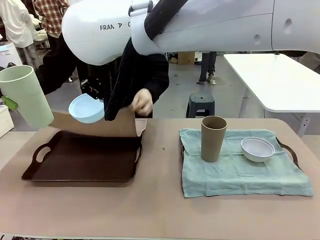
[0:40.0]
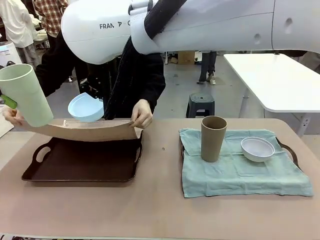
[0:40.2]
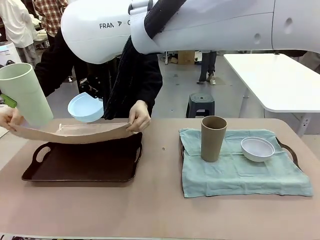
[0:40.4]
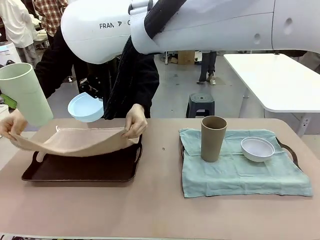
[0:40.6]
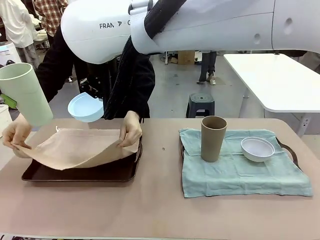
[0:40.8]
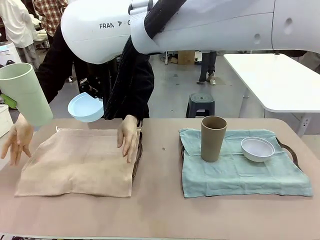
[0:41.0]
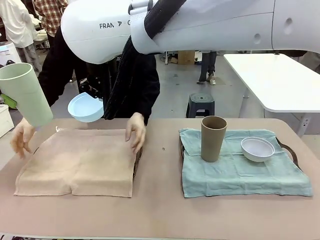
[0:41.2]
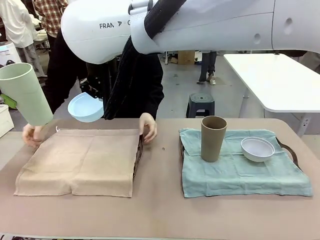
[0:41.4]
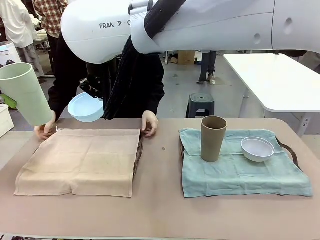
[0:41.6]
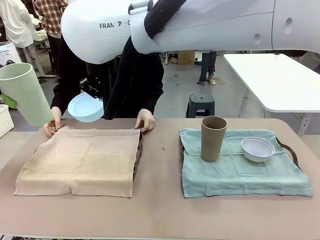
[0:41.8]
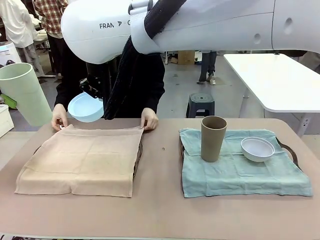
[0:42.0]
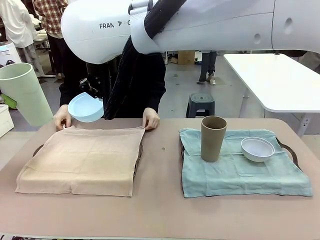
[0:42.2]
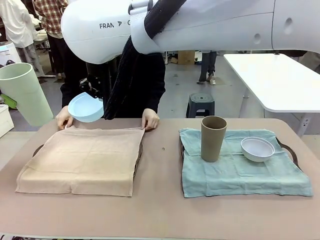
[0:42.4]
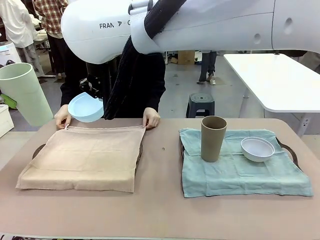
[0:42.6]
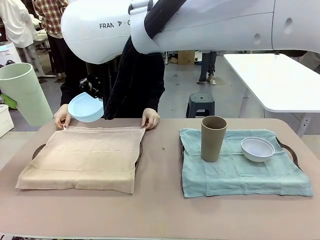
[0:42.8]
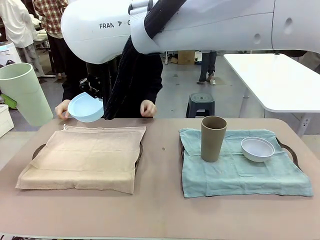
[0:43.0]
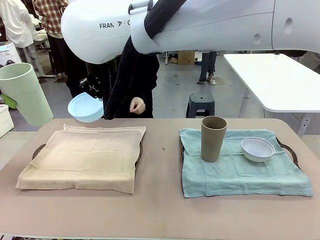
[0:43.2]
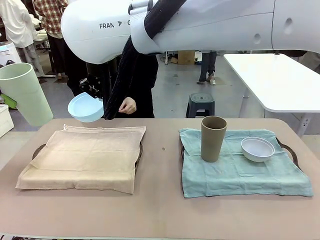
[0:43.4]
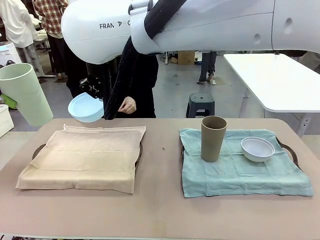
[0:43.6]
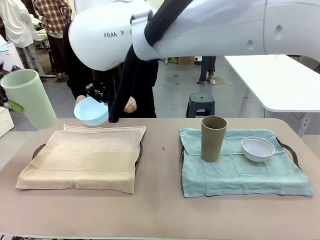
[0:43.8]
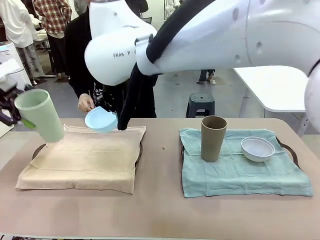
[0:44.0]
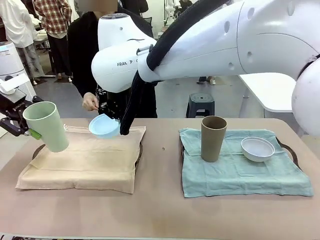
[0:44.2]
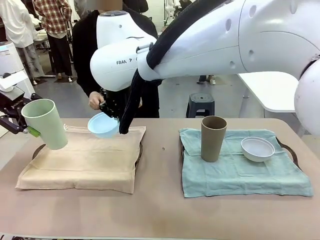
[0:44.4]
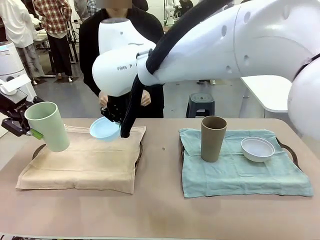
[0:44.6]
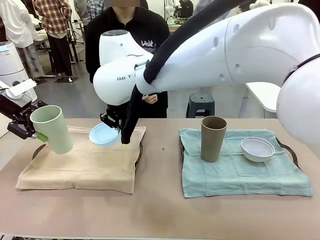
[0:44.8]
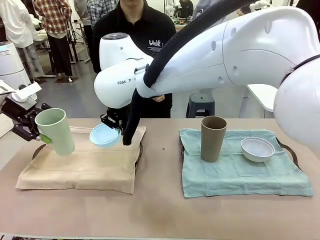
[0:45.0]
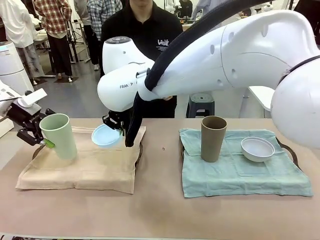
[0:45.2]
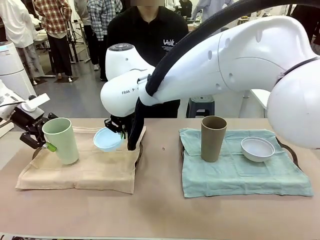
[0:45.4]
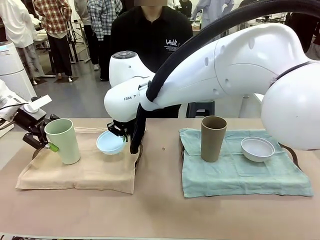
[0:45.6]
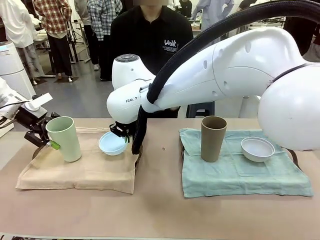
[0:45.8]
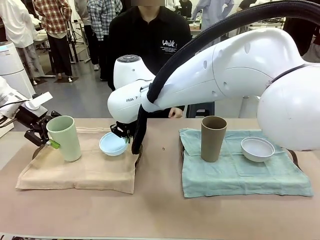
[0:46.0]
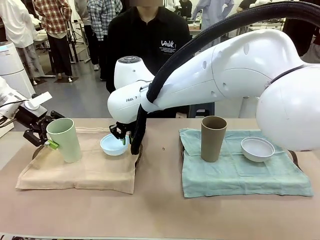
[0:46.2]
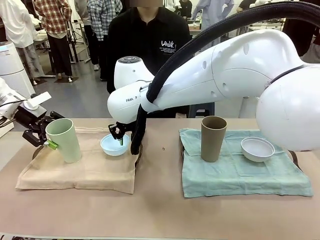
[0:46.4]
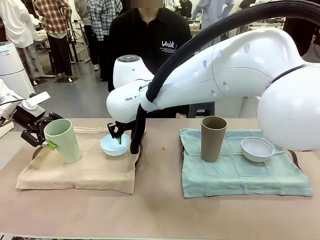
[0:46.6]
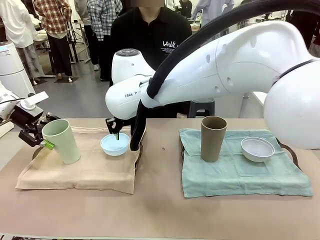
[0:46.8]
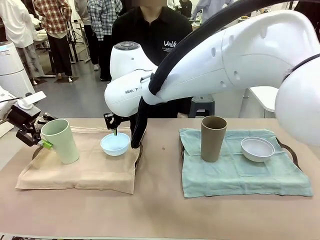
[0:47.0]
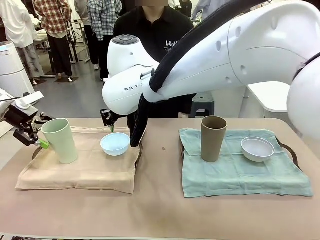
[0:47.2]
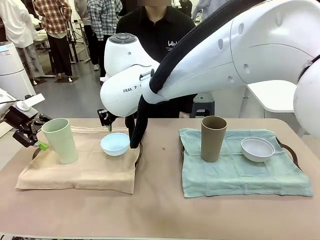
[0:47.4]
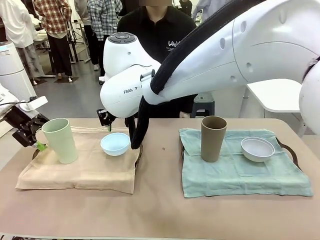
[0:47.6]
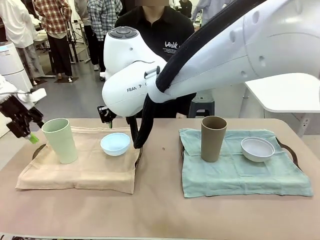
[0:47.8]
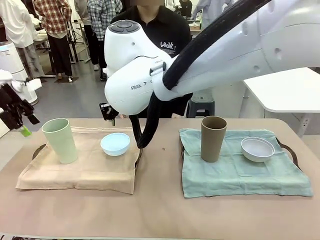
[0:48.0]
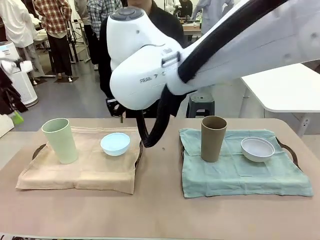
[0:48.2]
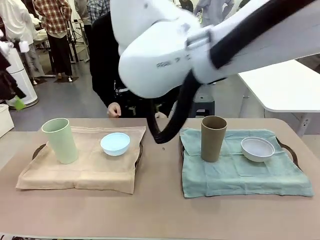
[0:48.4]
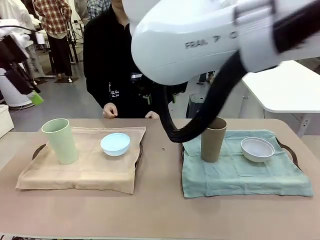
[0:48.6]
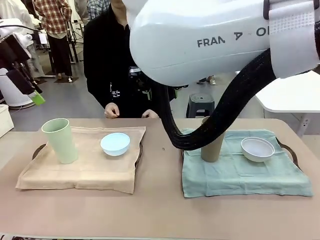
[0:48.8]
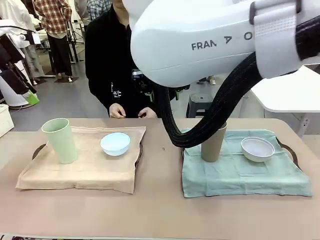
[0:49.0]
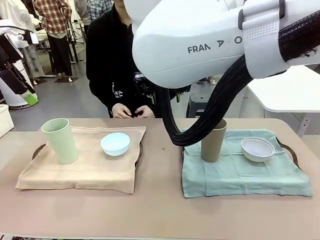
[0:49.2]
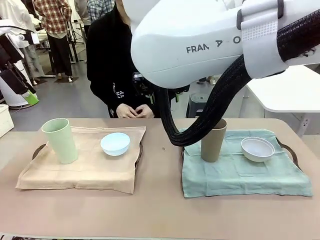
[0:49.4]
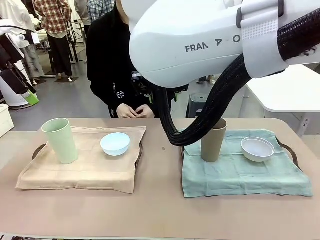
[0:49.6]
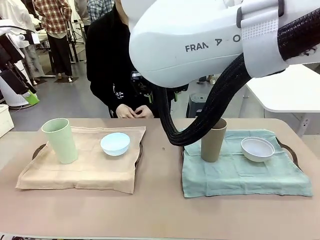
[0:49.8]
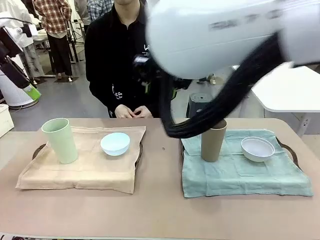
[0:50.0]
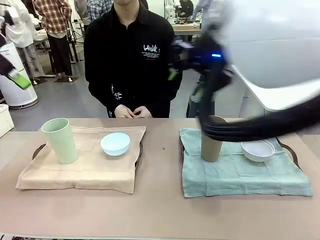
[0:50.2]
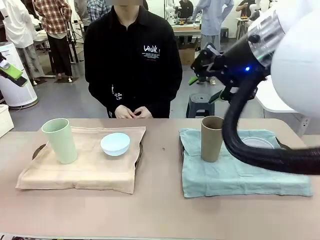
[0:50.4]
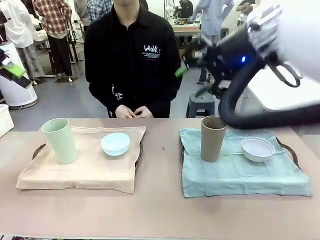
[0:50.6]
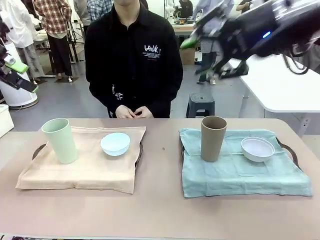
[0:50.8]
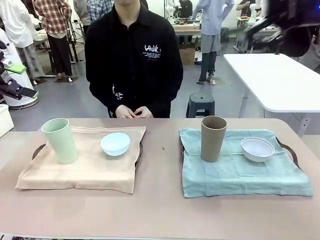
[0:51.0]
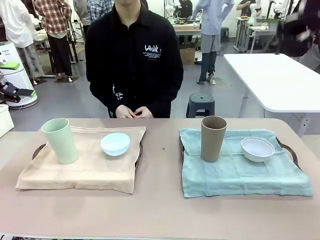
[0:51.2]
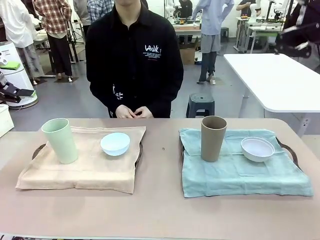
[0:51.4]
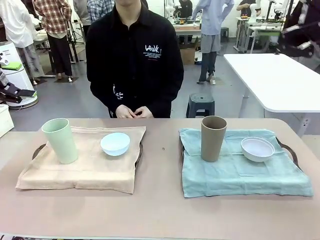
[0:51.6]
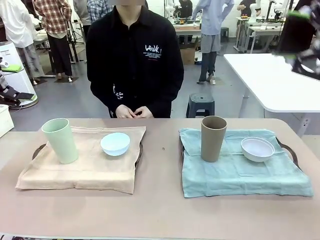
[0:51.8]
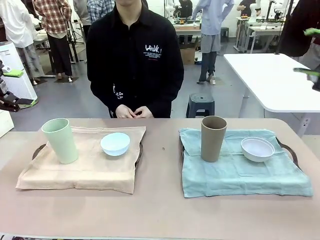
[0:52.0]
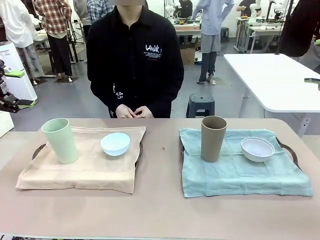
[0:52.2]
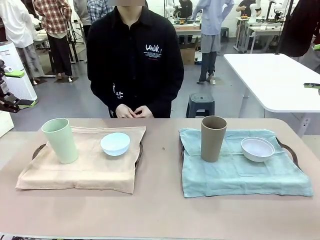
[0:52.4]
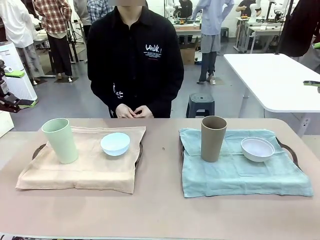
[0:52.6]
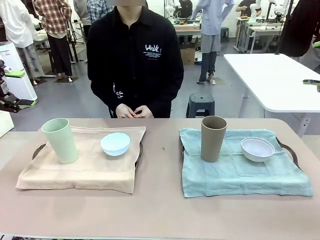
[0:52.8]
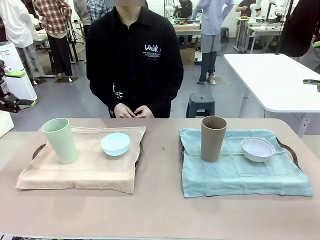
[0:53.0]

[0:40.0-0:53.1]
Robot: Place the Picnic Bowl and Reusable plastic cup back onto the Handle tray in front of the human's position.
Person: When the robot lifts the bowl and the cup, the human unfolds the napkin and lays the napkin flat on the tray.

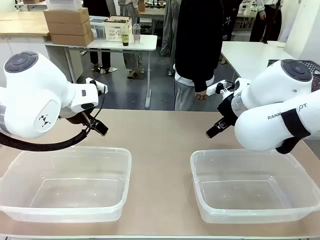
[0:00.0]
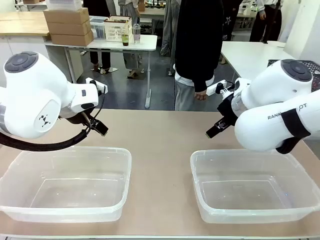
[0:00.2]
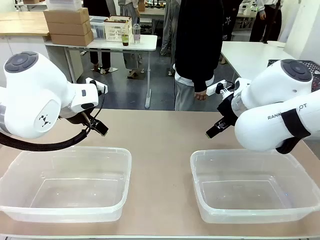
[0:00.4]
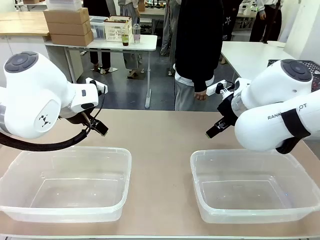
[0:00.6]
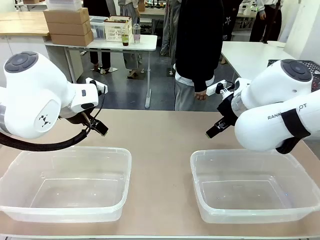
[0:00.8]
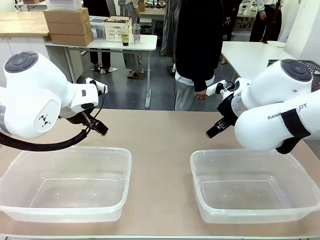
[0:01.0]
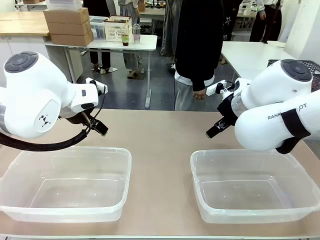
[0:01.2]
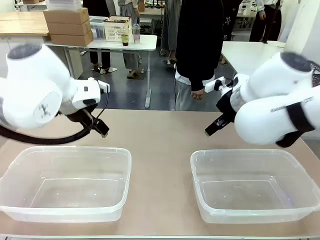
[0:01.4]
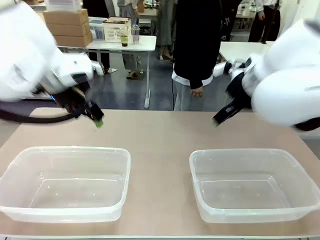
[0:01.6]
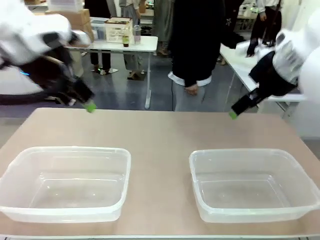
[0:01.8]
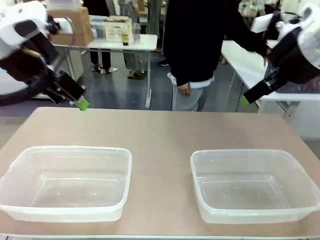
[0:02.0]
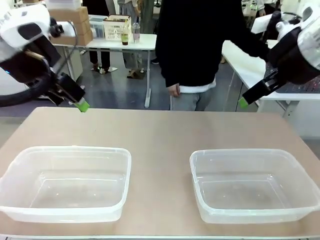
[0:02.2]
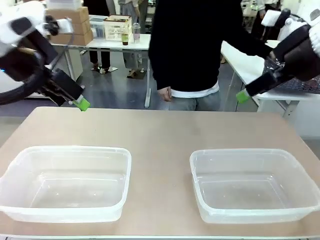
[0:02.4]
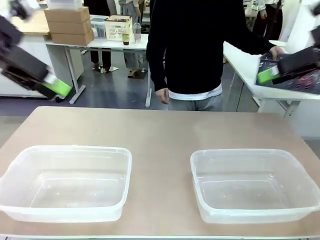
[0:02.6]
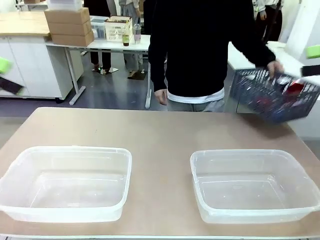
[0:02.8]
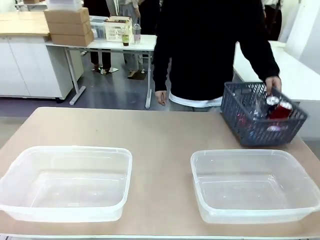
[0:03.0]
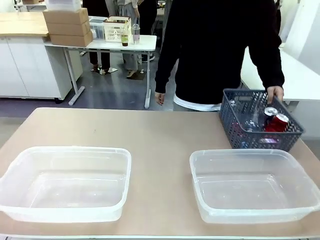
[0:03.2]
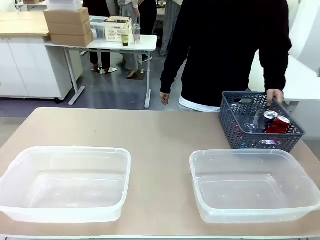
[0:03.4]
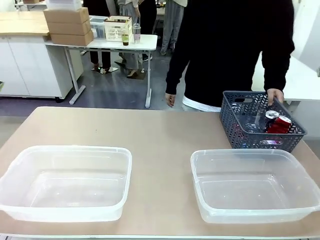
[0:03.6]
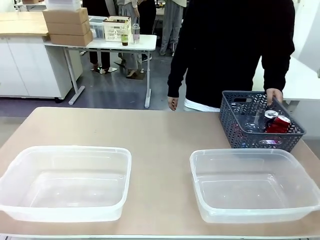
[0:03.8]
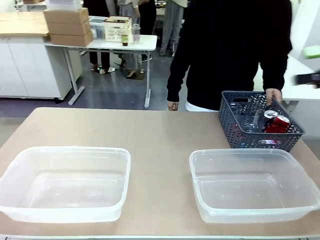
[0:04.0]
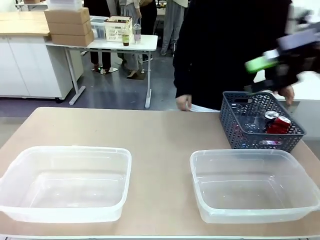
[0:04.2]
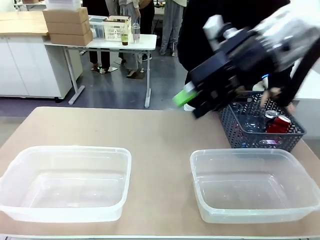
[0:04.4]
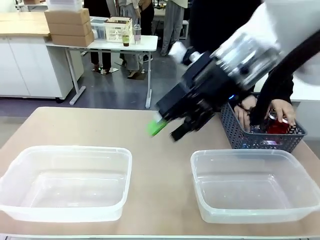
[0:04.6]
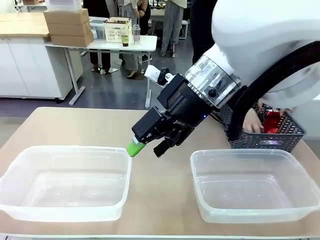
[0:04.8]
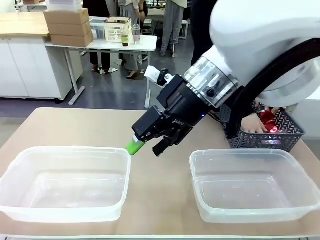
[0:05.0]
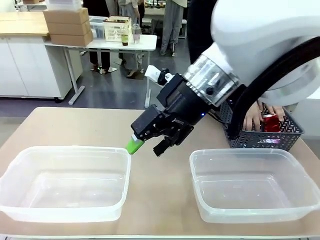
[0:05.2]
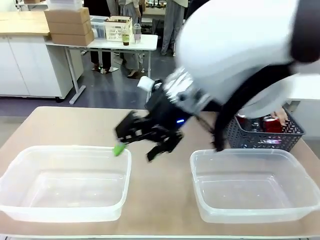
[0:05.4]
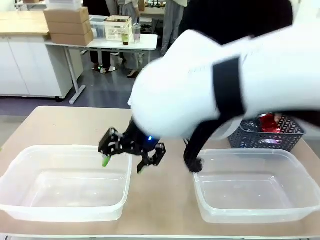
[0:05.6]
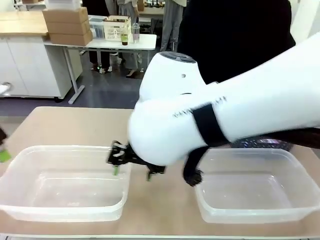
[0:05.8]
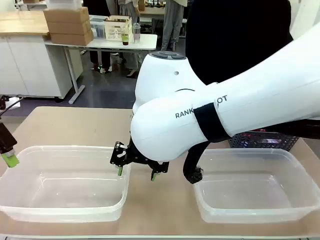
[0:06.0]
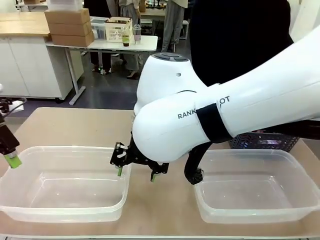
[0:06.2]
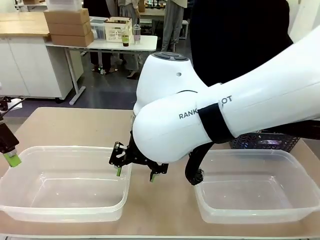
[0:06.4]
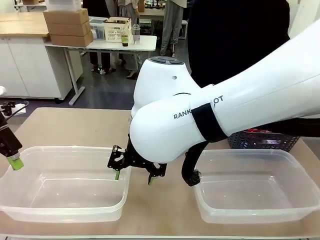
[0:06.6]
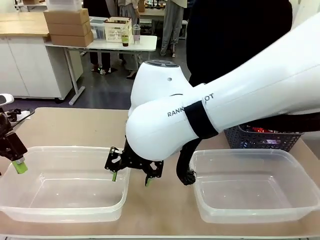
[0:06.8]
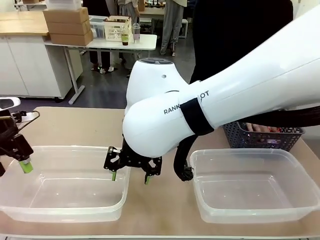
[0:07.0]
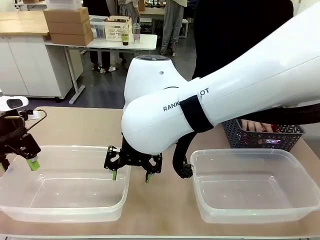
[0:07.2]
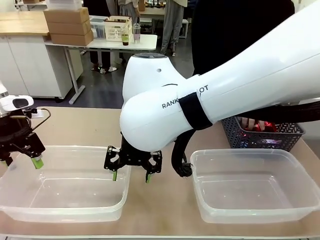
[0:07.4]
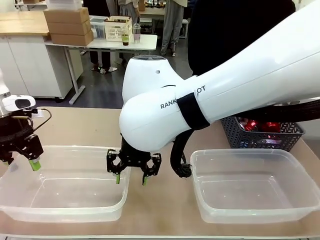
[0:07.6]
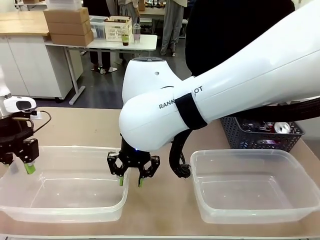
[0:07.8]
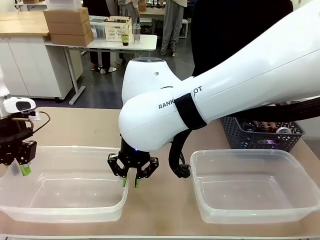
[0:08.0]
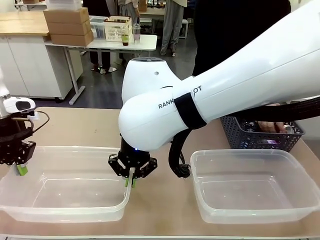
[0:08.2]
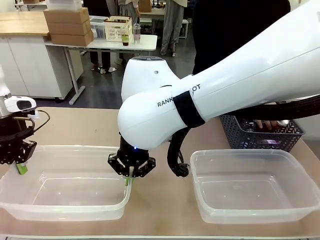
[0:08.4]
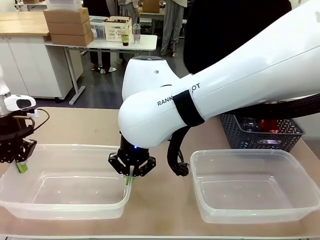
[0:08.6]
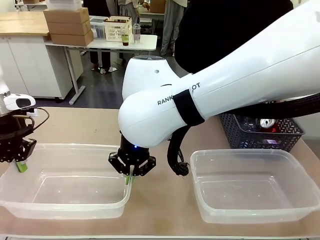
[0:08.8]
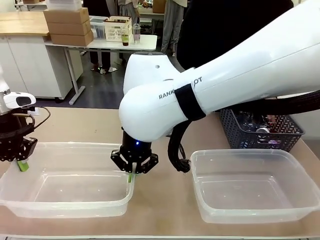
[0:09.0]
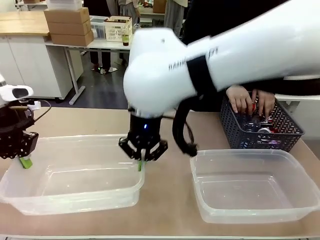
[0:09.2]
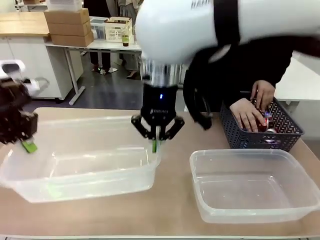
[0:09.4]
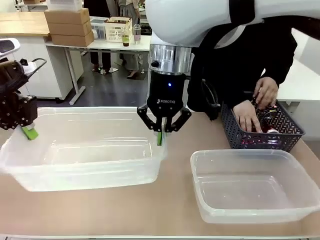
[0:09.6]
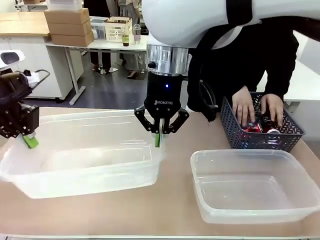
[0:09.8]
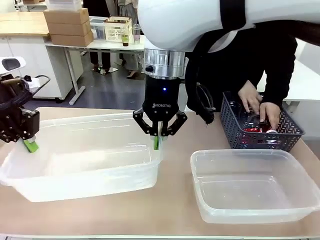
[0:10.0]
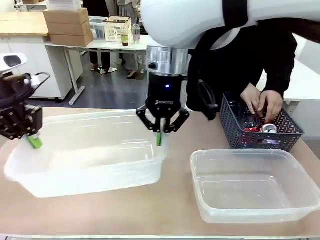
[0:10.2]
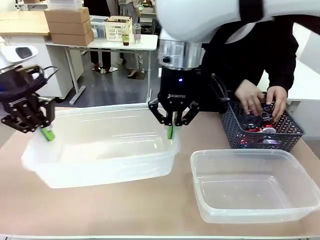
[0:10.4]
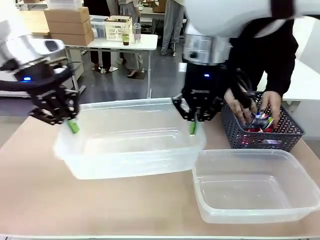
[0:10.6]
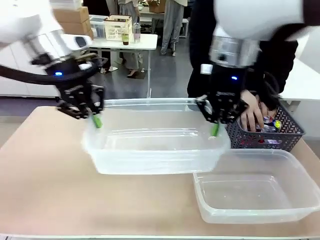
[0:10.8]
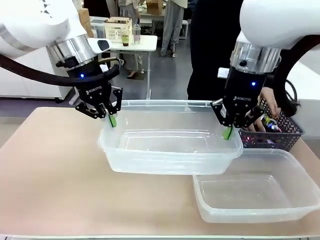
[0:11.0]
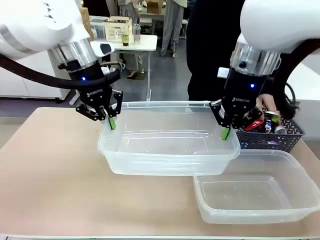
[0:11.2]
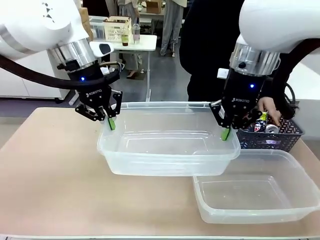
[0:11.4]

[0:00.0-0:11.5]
Robot: Pick up the Organizing box on the left side of the table and lift it.
Person: Pick up the storage basket and place it on the left side of the robot table. Pick up can-shaped waste one by one and place it into the organizing box lifted by the robot.
